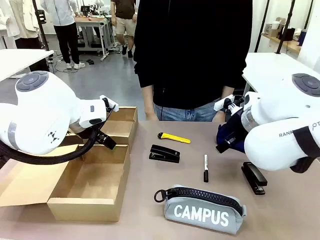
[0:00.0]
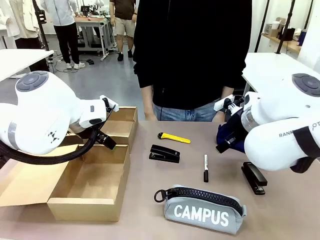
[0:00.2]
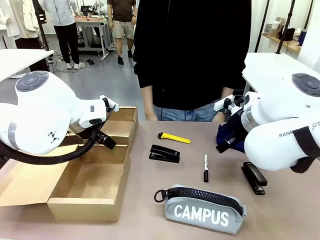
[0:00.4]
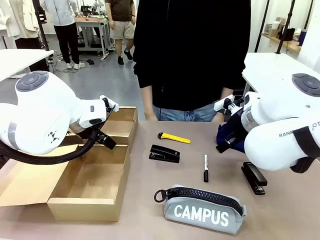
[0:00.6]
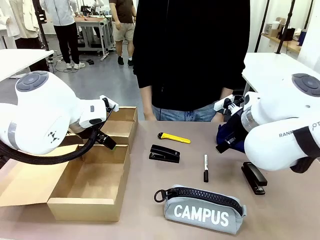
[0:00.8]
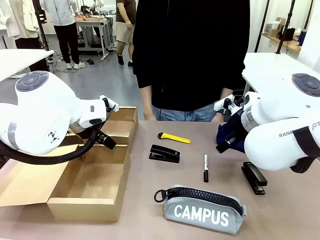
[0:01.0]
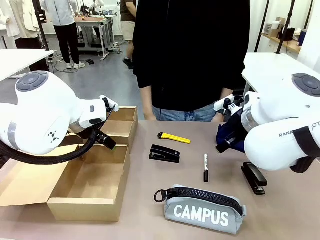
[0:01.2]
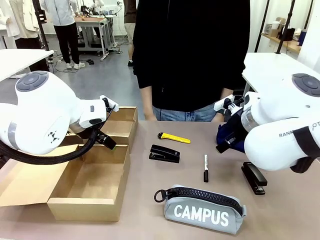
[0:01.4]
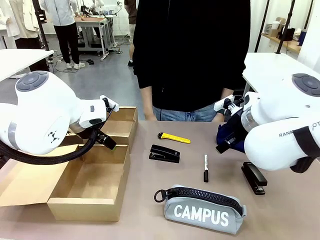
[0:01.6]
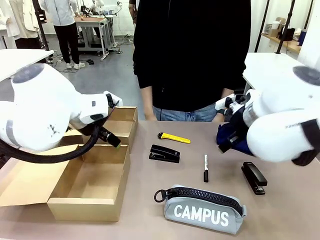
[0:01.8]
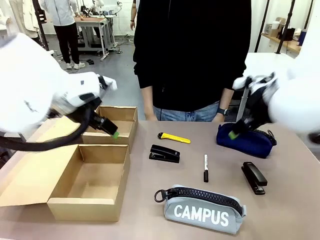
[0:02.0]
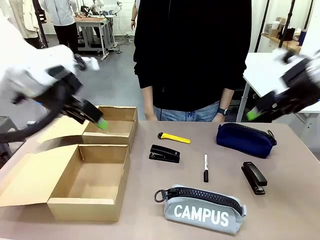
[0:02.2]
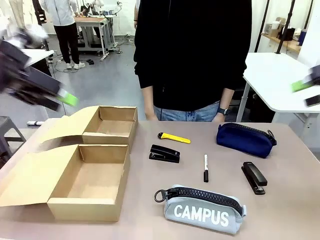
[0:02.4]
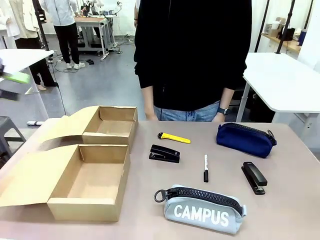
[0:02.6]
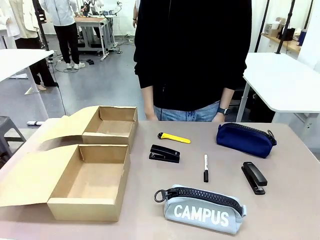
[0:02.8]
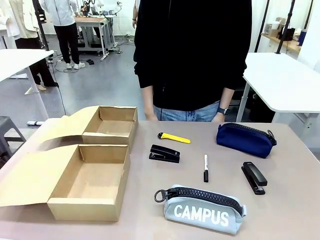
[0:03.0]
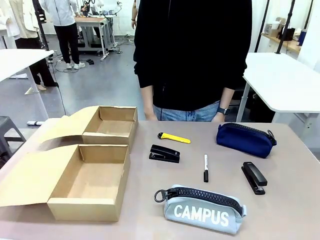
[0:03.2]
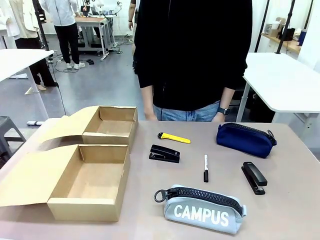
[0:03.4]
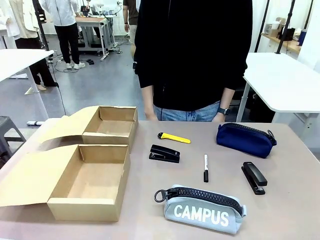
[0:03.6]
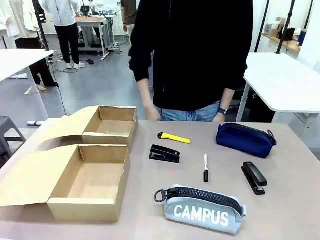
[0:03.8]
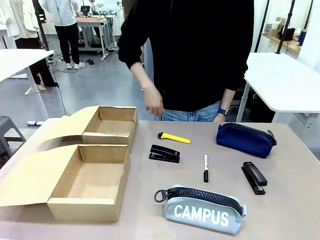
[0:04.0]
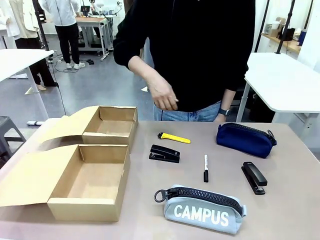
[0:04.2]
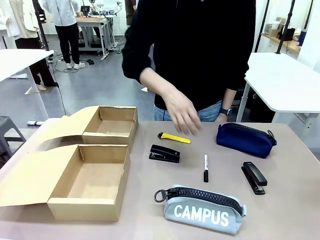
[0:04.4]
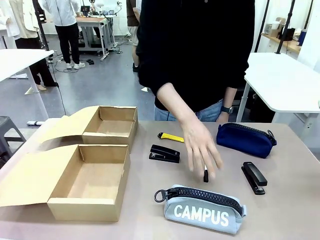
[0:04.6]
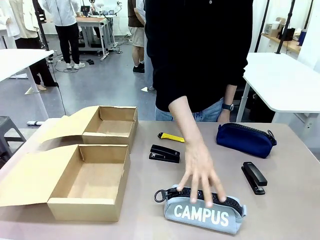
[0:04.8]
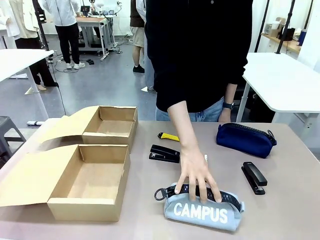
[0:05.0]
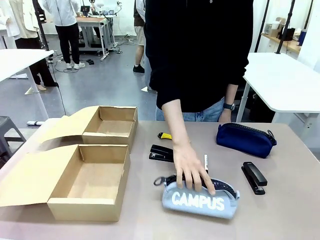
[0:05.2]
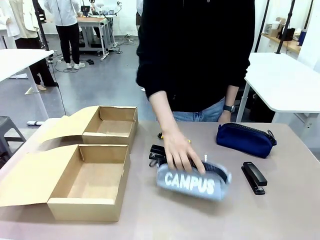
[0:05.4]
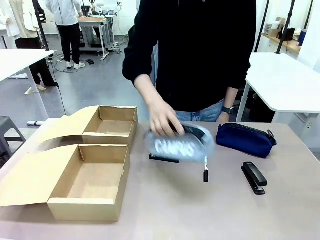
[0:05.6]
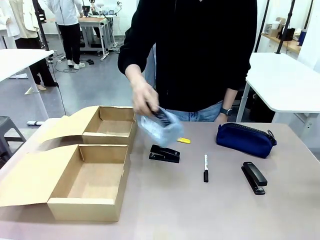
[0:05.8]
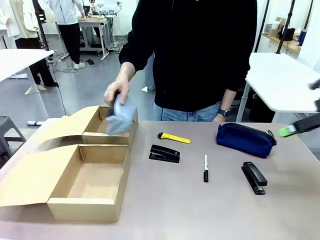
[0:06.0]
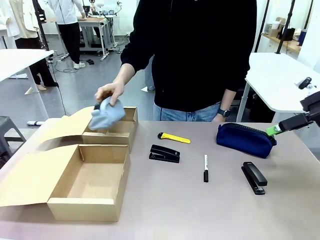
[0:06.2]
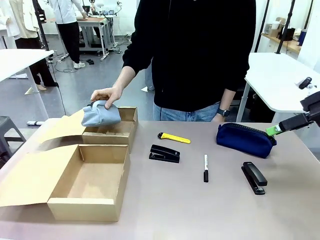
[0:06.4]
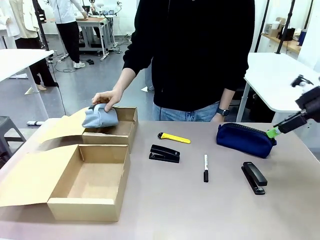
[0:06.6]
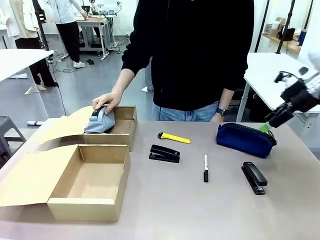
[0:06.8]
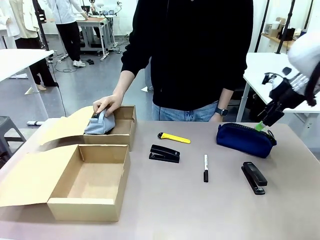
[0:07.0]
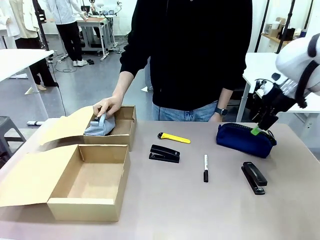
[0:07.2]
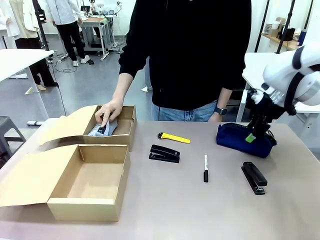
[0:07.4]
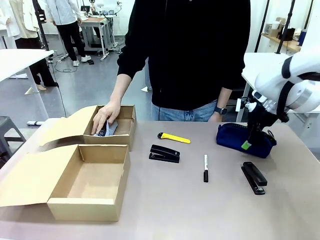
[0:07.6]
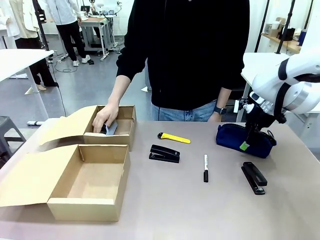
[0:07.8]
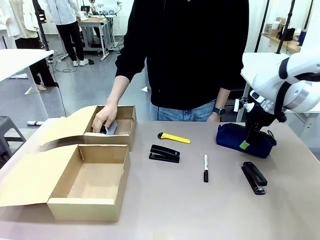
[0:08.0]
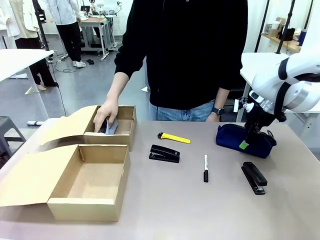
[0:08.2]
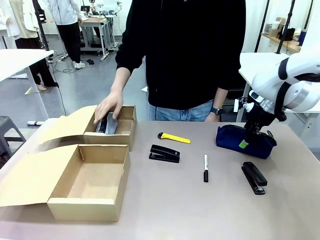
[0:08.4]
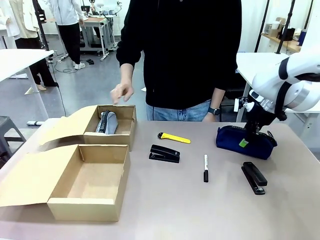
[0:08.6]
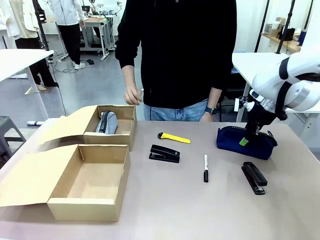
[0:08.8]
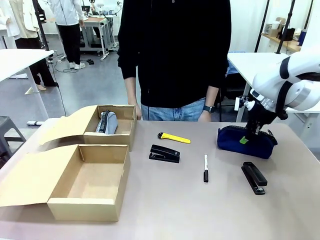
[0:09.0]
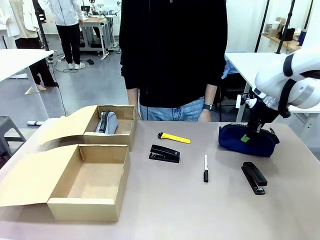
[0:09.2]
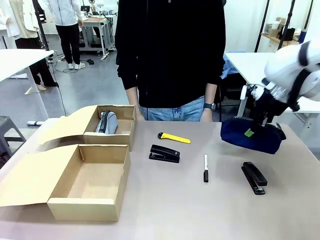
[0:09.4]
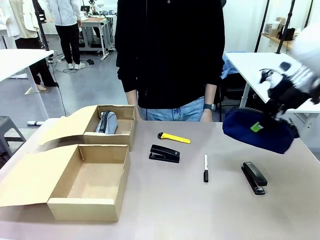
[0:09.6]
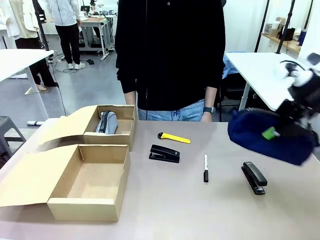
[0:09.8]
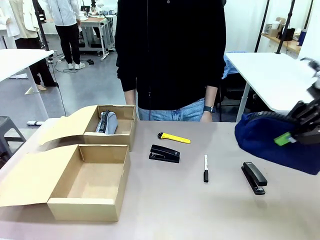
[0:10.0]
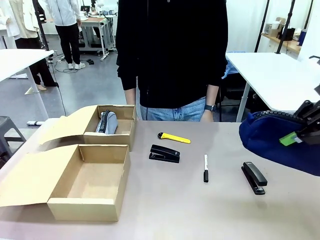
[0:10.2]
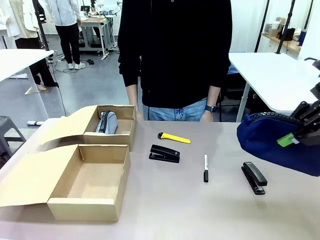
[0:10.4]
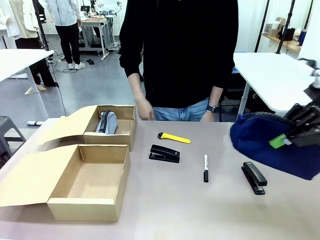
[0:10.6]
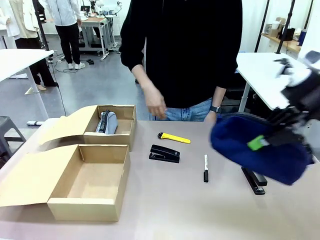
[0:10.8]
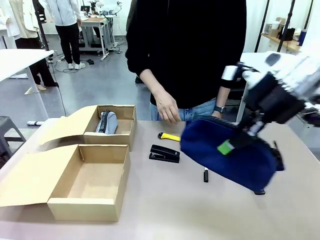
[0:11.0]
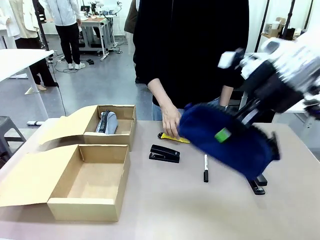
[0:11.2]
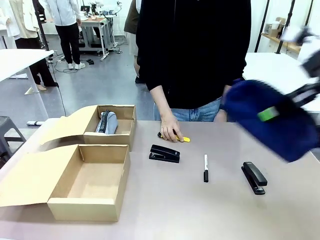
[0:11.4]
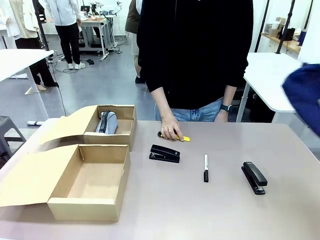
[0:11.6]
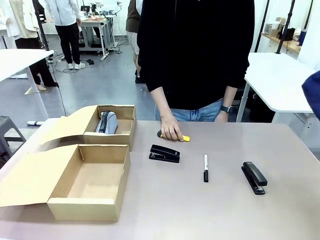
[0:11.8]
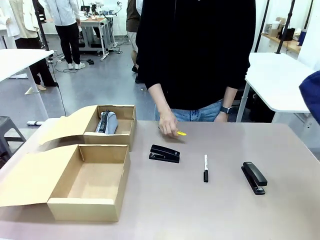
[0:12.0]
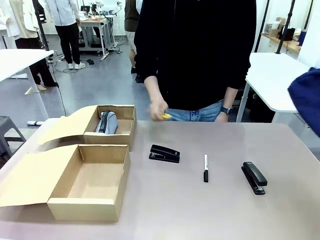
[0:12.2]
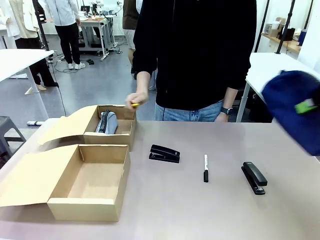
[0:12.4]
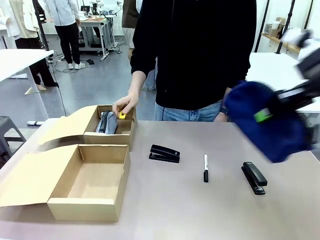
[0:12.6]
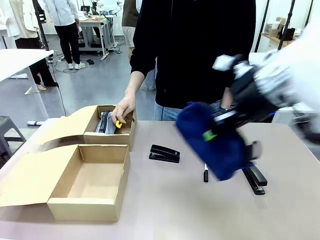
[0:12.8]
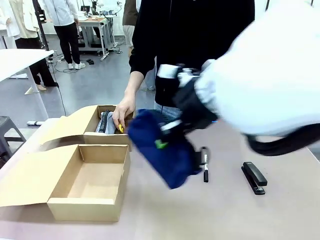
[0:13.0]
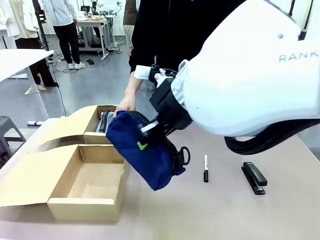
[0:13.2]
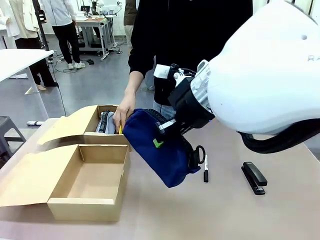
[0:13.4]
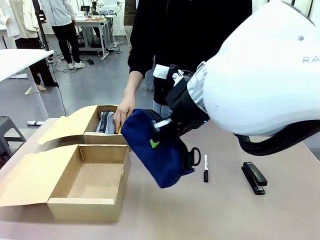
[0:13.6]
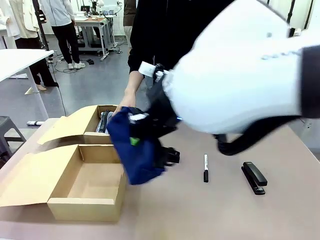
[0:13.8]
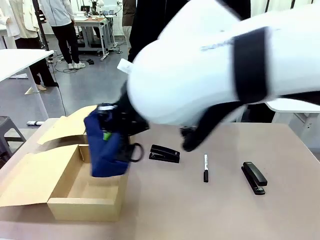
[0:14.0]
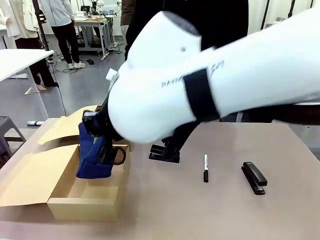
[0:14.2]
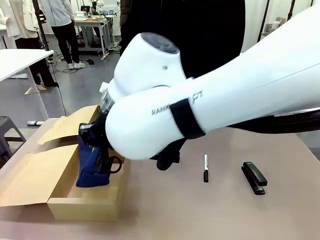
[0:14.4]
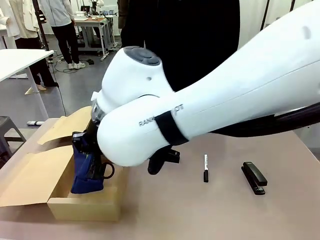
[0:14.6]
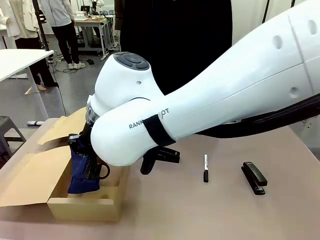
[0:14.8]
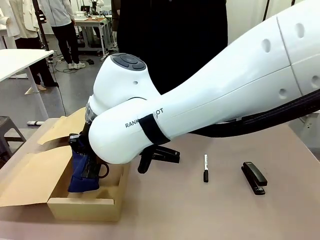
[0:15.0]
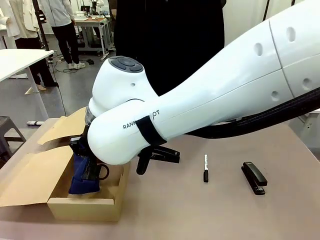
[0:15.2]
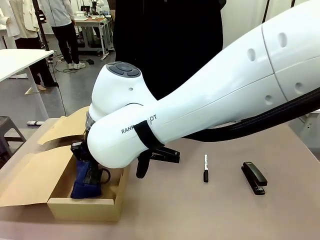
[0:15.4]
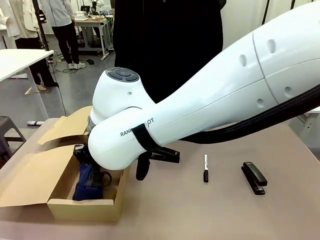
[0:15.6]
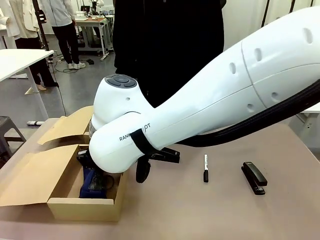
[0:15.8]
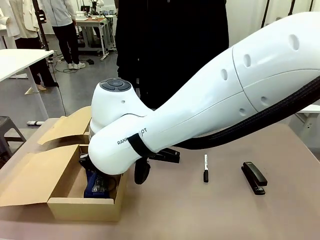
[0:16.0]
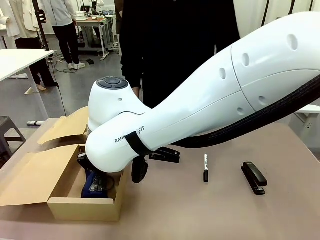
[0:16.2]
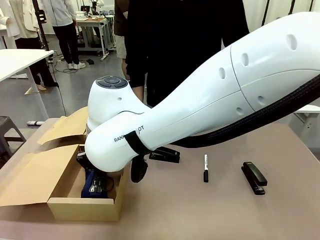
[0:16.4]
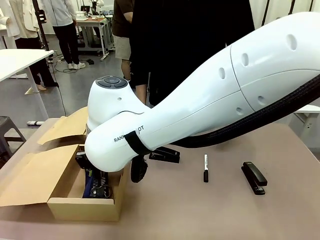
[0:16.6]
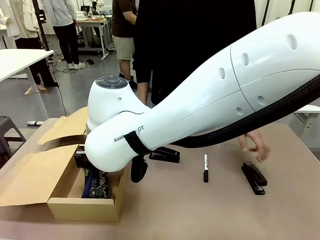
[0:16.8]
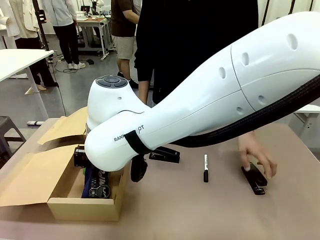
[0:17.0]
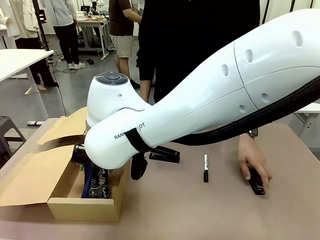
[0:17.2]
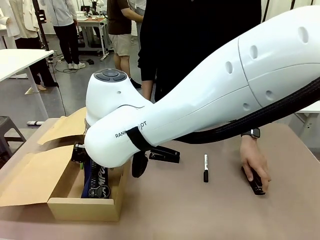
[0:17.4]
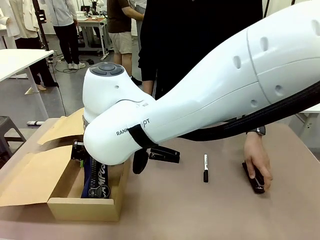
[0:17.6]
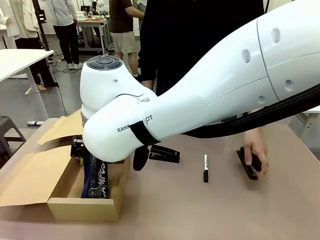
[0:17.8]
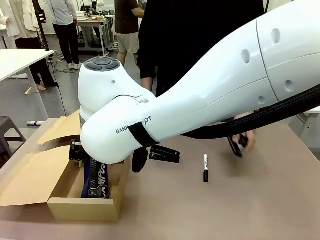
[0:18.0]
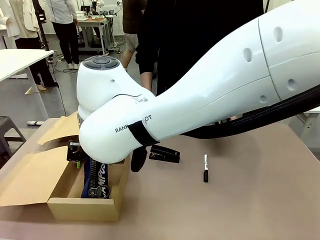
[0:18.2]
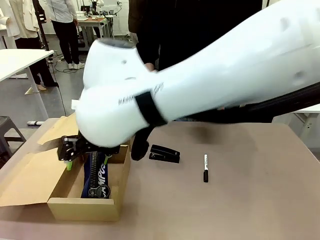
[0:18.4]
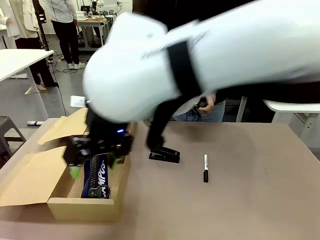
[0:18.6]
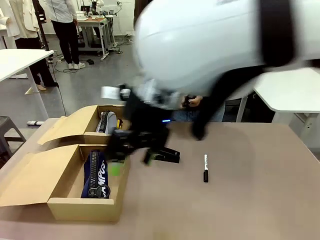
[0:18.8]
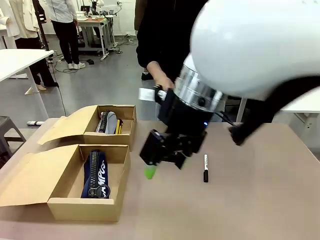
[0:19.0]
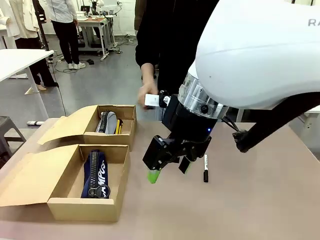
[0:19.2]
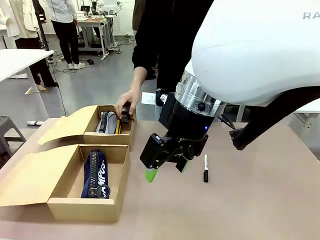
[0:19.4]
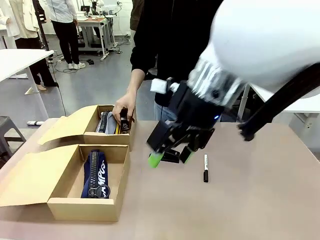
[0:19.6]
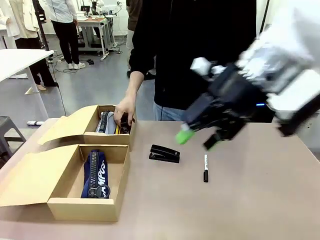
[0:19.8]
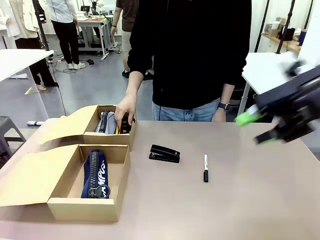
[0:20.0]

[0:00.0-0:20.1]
Task: Place items inside the box.
Robot: Pick up a Pencil pouch or Stapler and place it inside the Mailer Box closest to the robot.
Person: Pick up an object on the table and put it in the box.
